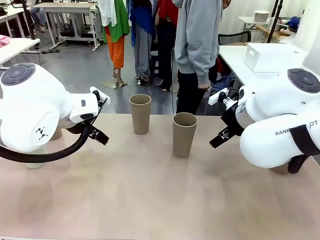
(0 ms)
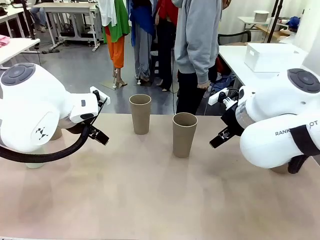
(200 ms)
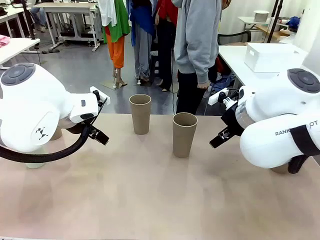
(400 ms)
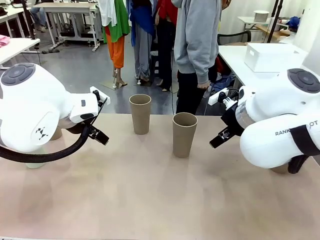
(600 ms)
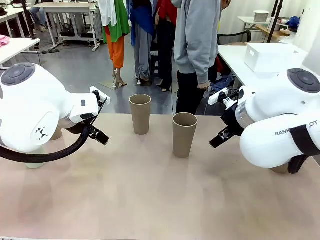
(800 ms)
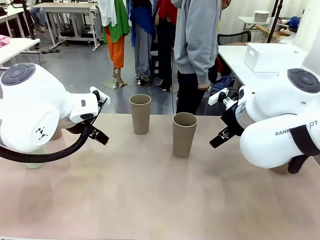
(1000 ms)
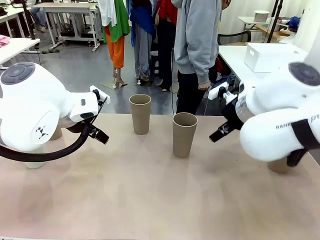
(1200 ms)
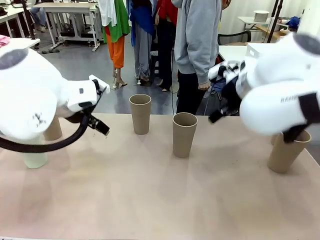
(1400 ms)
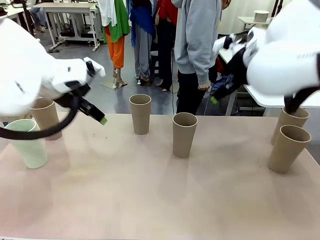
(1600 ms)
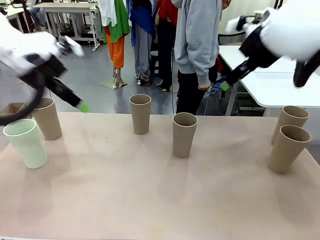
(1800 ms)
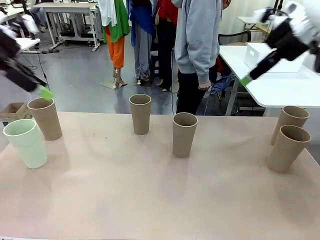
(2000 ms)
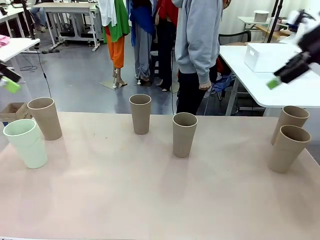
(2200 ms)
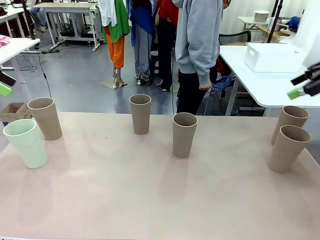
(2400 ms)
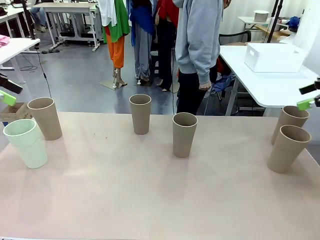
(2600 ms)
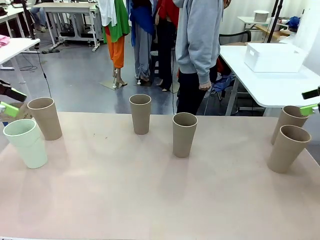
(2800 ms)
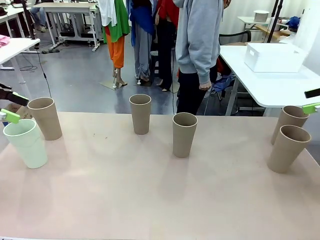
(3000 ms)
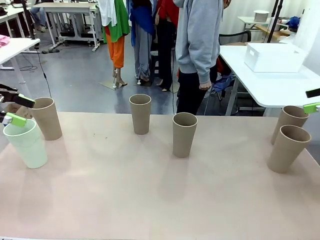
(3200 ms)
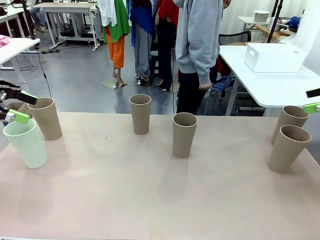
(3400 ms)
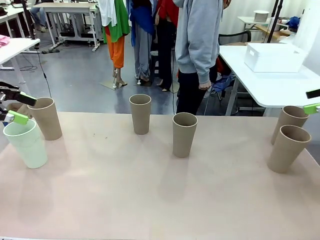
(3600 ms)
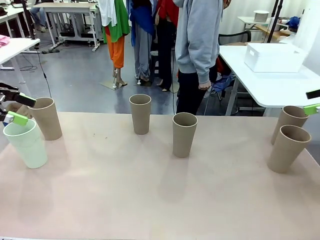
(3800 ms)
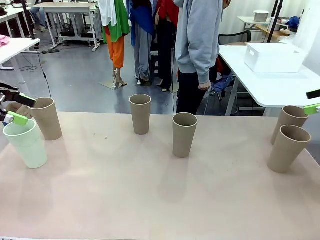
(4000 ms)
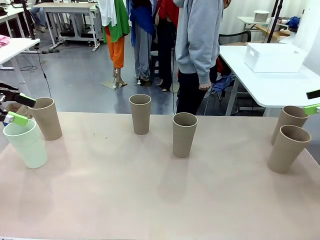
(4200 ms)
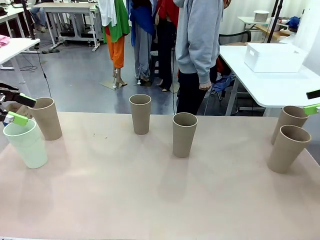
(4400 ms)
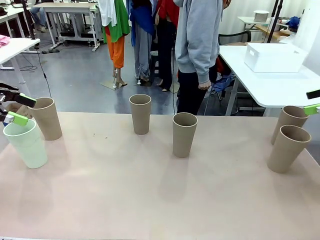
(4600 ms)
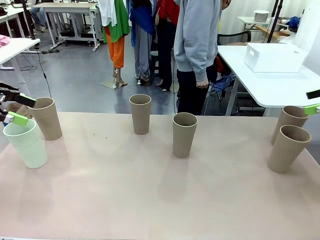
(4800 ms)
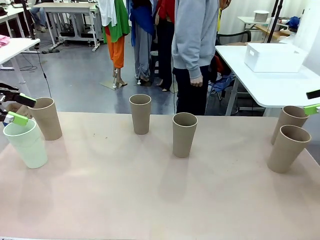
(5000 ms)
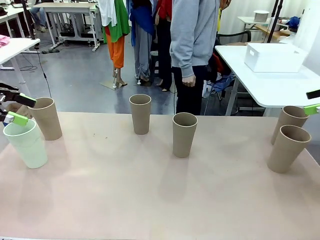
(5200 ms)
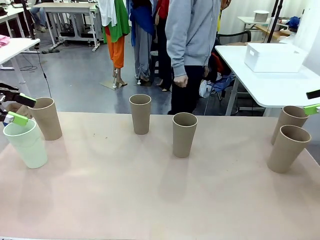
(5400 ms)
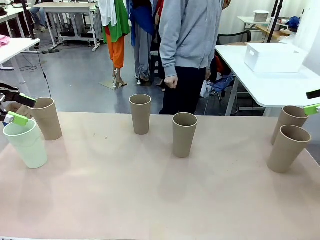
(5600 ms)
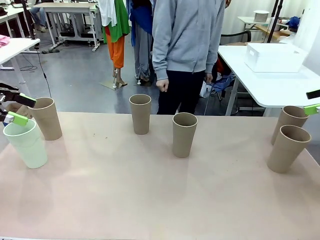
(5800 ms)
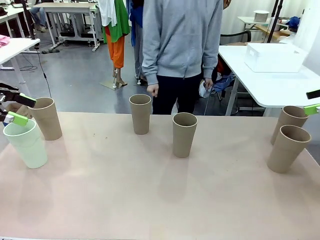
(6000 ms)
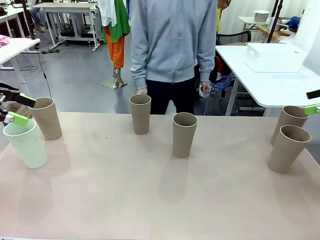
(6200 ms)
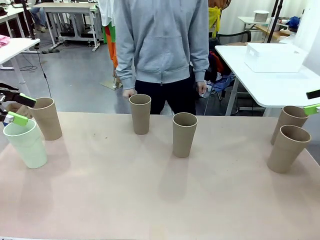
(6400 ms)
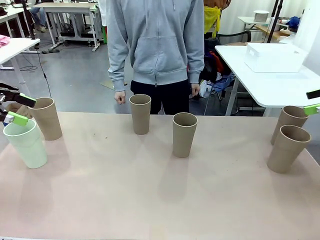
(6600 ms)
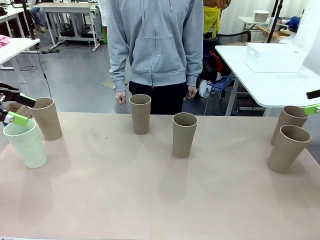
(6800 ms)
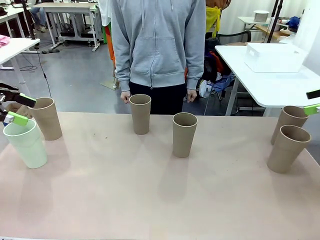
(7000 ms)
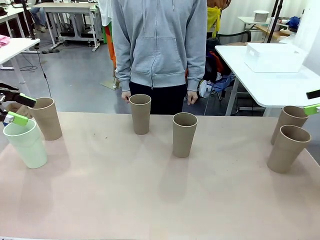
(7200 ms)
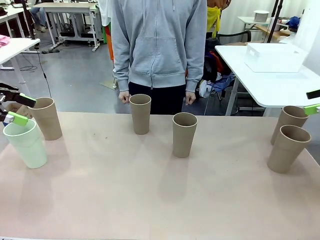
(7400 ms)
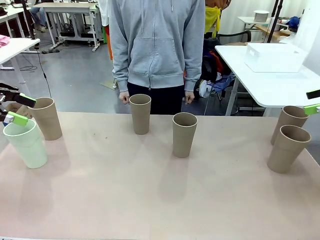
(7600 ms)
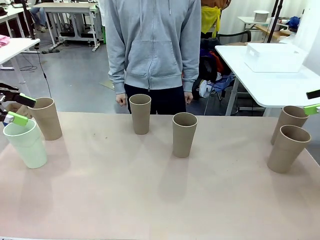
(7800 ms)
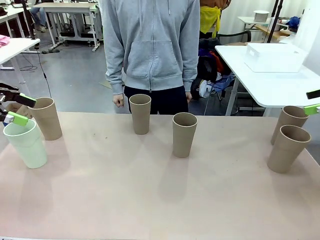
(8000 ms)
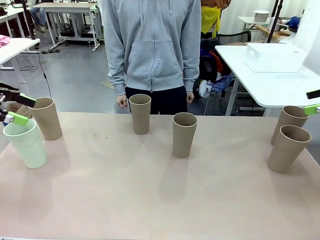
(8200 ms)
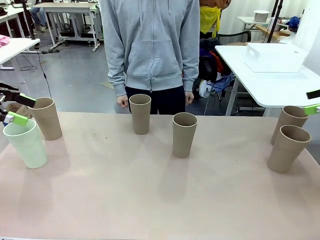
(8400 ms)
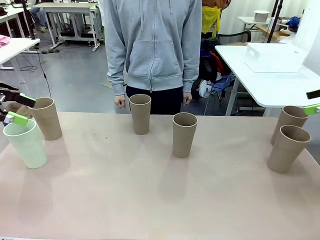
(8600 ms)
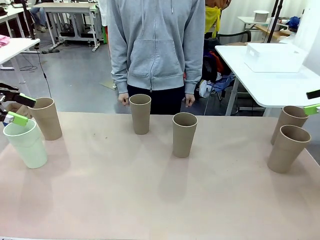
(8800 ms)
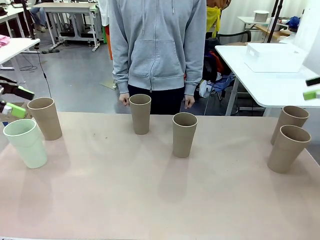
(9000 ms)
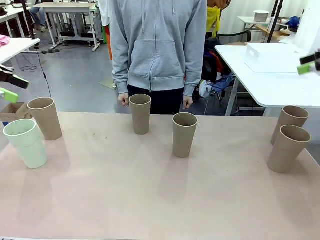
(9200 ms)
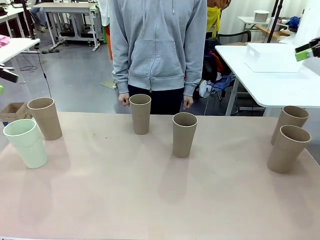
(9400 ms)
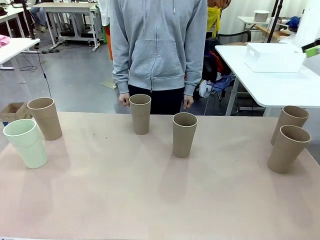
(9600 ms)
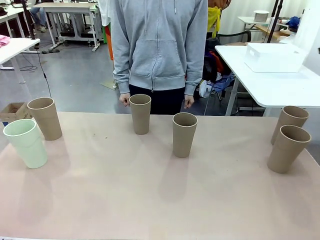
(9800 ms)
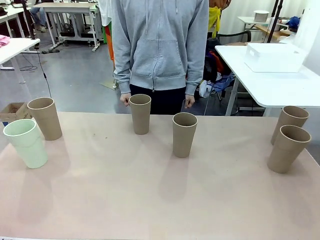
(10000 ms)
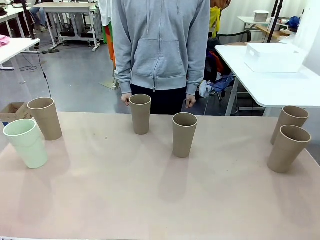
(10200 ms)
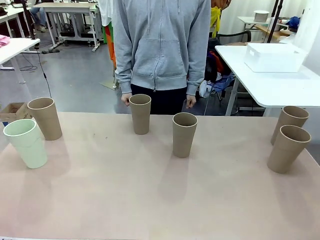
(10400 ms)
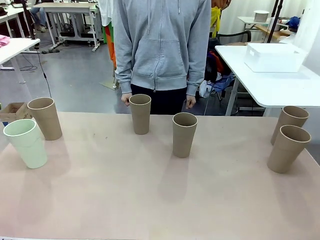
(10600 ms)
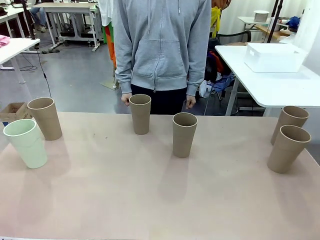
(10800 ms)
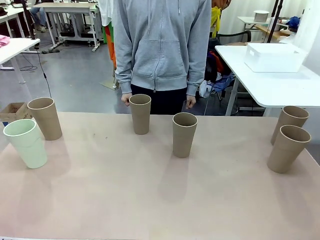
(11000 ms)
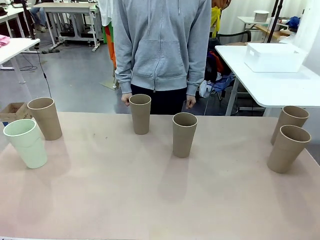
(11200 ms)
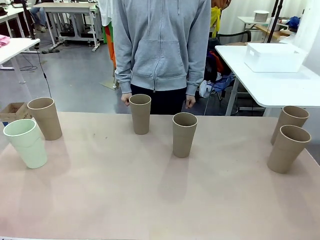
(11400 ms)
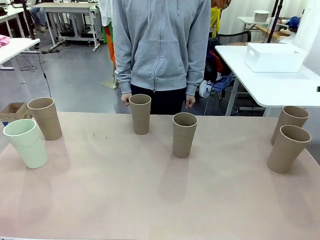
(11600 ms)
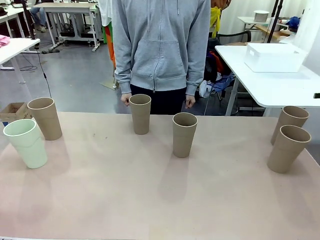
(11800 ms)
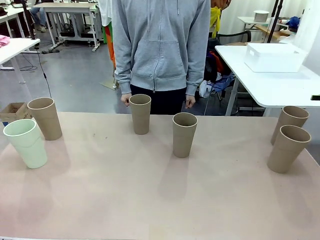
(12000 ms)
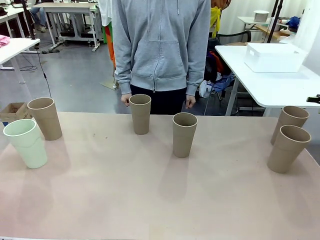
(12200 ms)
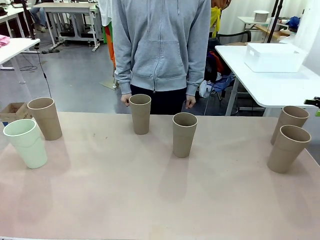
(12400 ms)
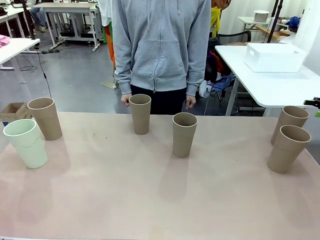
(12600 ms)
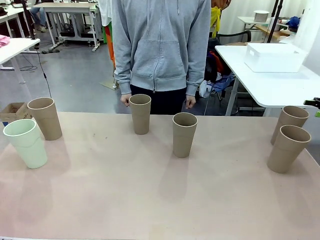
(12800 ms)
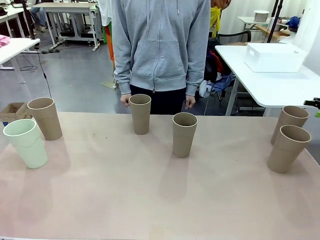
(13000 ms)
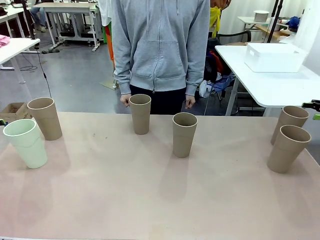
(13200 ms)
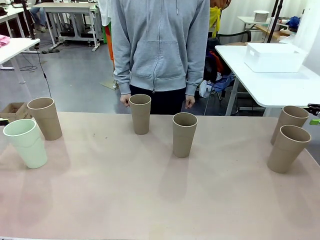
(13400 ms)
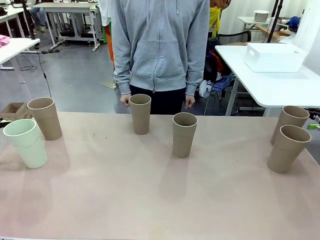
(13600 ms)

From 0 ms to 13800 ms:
Task: Stack the cups and store them in the basket.
Robot: Pick up two Reusable plastic cups , one in each hand.
Person: Move from the Human Table to the front of the Robot Table.

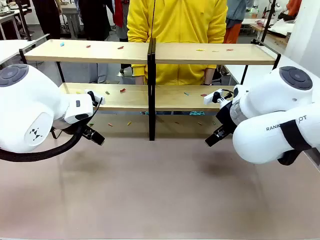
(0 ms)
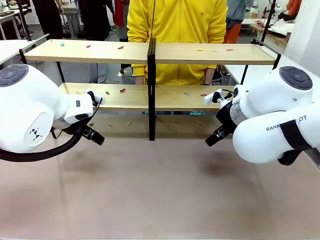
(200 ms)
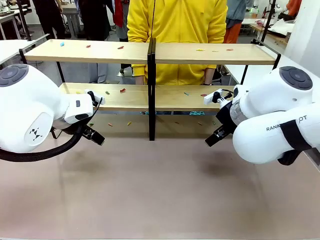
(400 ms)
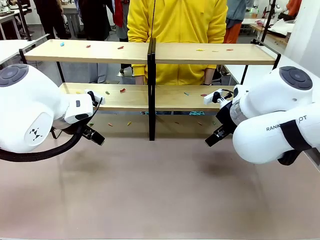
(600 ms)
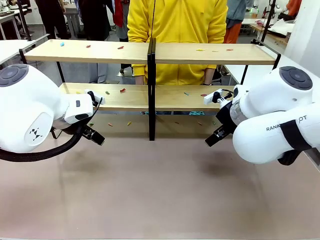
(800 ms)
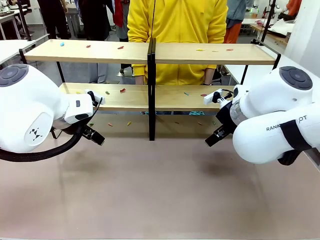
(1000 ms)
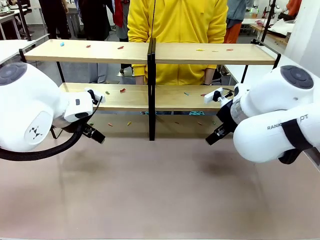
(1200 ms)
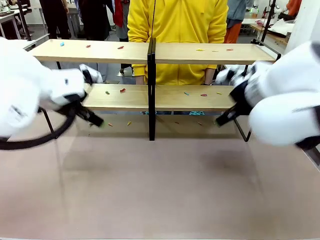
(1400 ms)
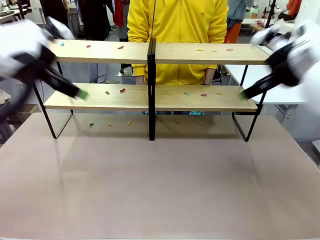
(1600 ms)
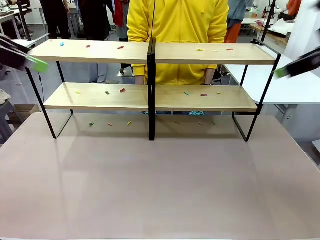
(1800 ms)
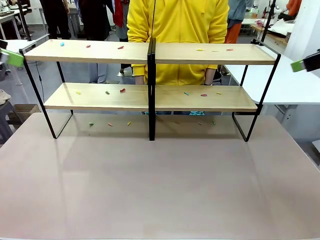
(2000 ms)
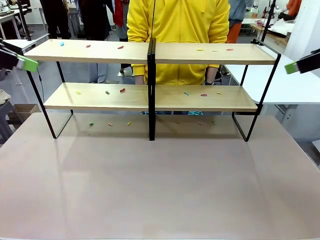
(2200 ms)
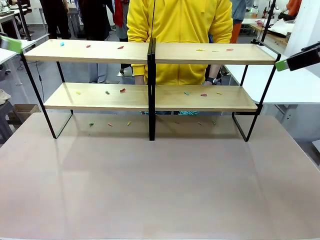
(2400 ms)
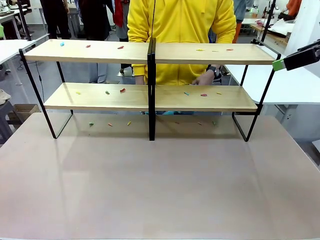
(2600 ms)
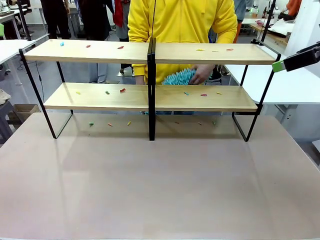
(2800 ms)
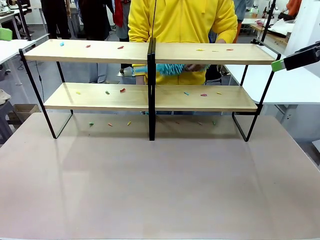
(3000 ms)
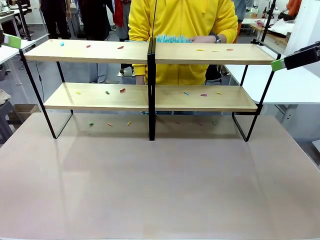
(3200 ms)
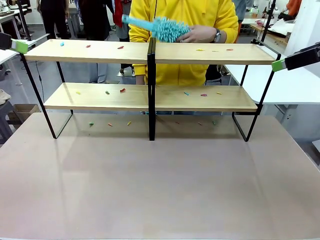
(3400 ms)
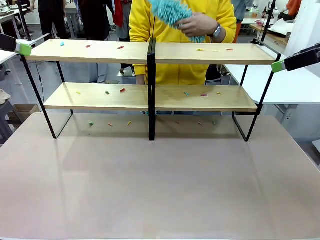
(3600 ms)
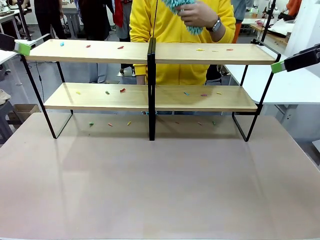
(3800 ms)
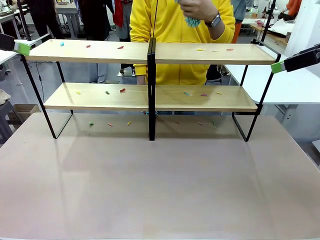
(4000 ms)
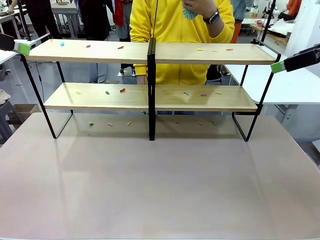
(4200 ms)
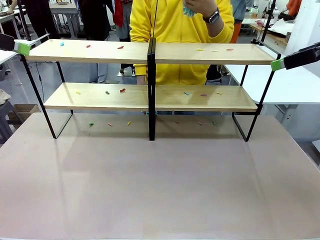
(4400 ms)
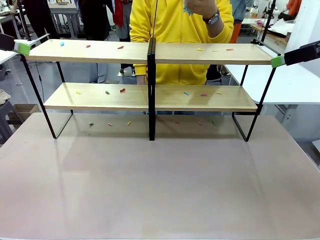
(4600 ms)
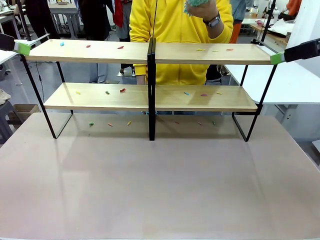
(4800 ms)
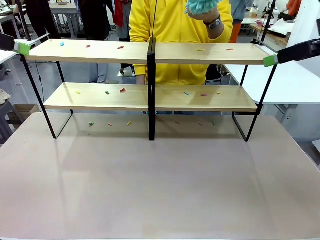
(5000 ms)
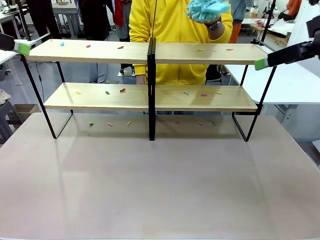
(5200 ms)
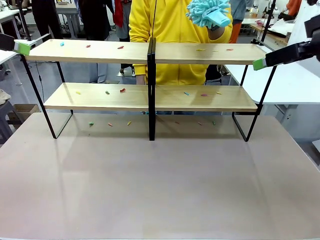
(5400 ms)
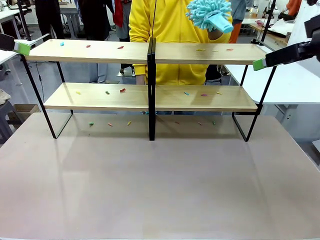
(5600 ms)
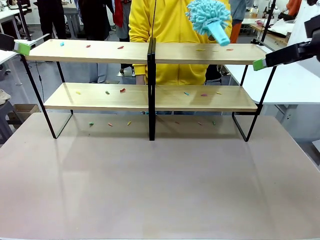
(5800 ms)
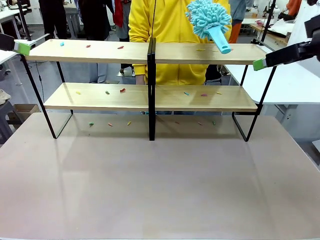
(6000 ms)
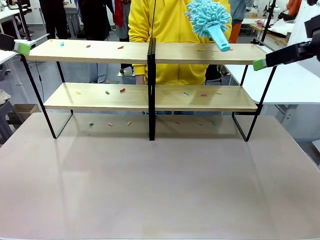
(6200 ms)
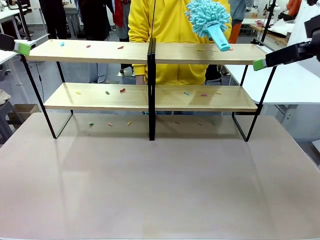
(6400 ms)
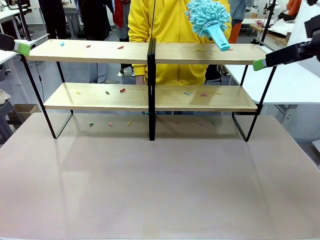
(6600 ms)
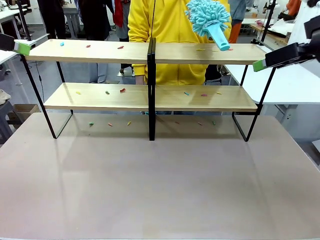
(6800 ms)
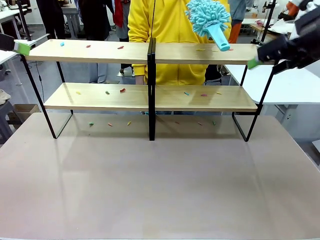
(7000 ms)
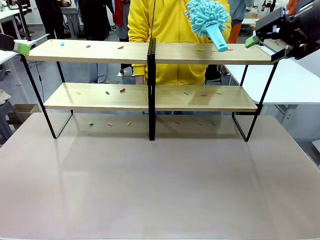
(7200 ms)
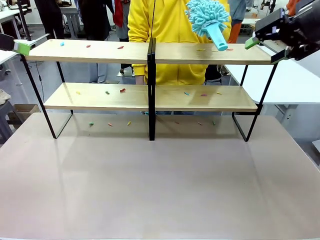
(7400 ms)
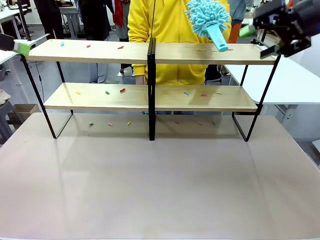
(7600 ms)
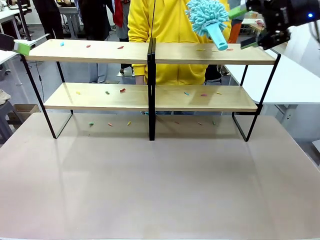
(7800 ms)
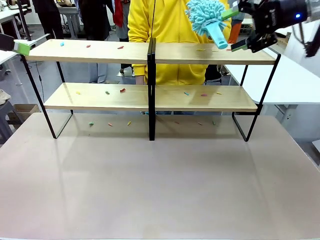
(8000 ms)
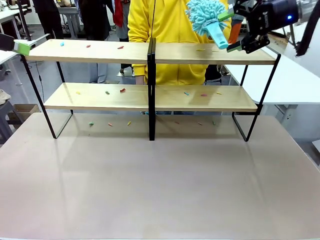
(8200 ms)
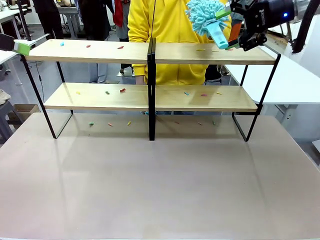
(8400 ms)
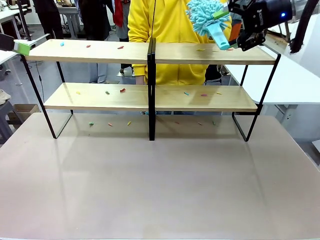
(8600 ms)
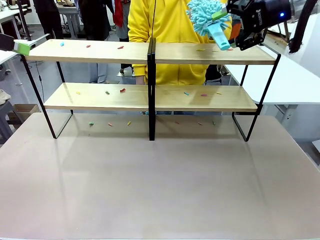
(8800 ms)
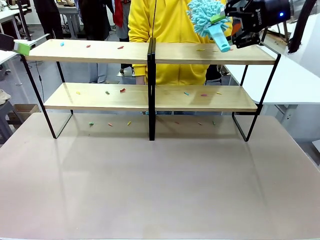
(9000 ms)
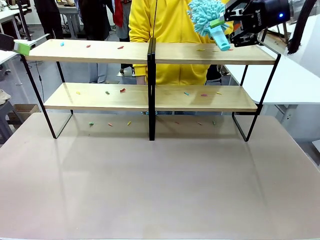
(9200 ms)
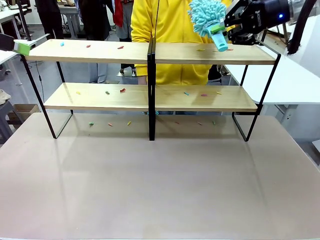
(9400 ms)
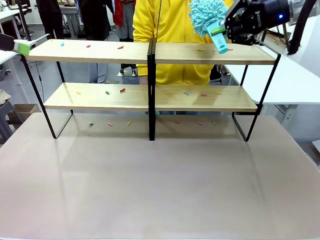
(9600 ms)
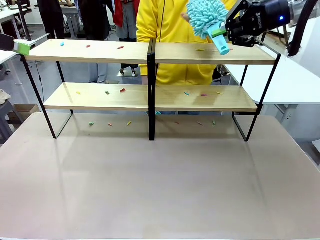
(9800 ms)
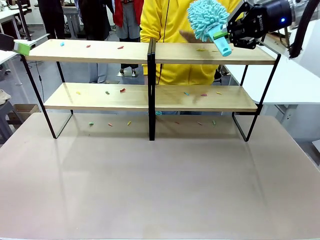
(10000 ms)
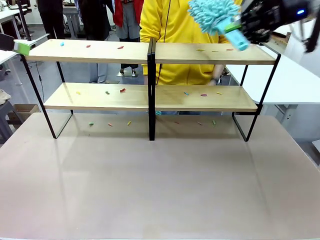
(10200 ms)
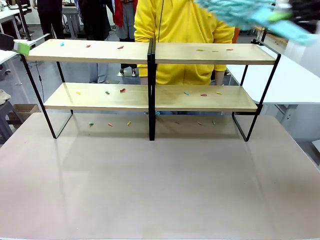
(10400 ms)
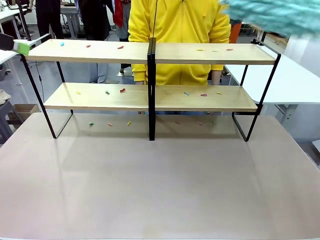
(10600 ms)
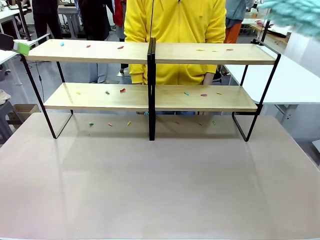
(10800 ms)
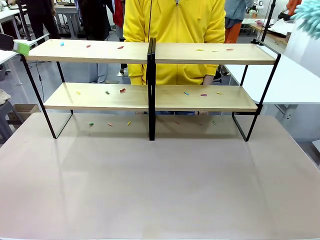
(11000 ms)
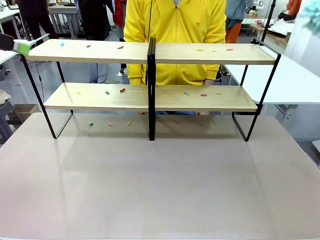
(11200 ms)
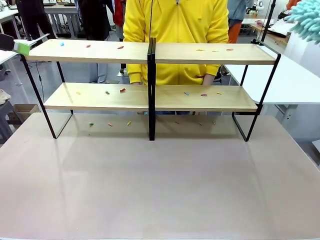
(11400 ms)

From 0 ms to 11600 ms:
Task: Clean the shelves.
Robot: Pick up the Duster when the human hands it over.
Person: Hand the Duster to the robot with your right (or left) hand.
